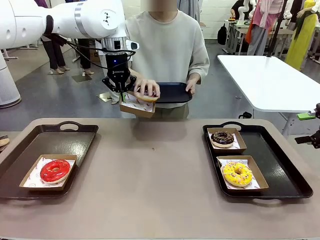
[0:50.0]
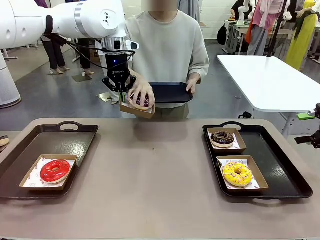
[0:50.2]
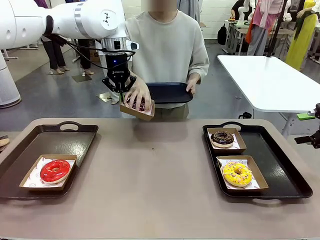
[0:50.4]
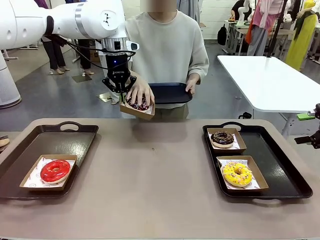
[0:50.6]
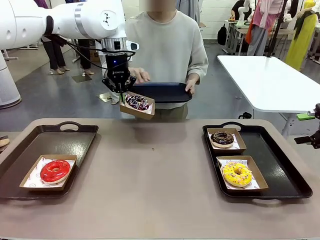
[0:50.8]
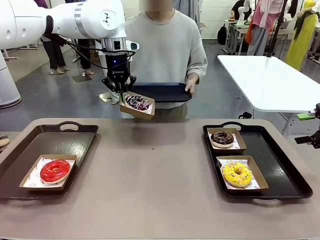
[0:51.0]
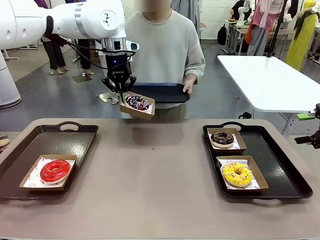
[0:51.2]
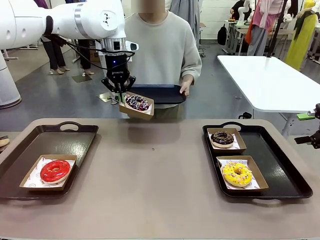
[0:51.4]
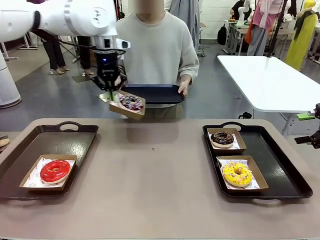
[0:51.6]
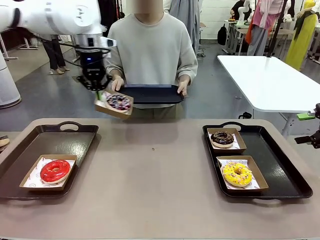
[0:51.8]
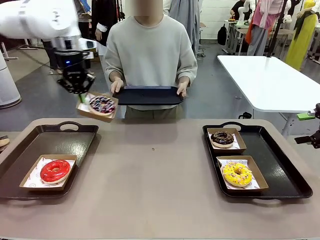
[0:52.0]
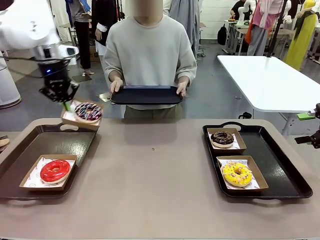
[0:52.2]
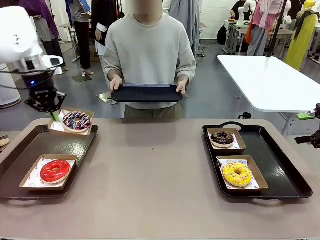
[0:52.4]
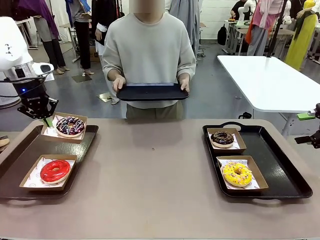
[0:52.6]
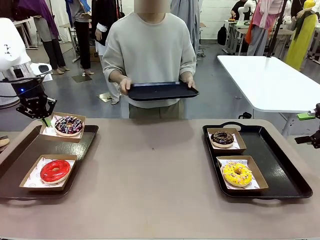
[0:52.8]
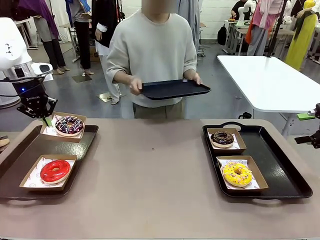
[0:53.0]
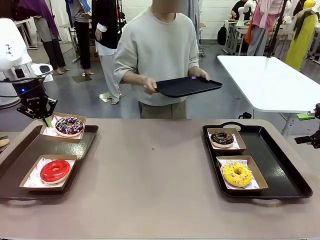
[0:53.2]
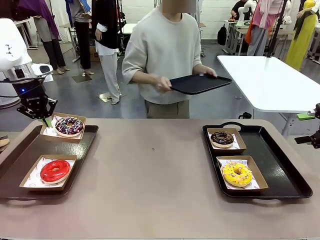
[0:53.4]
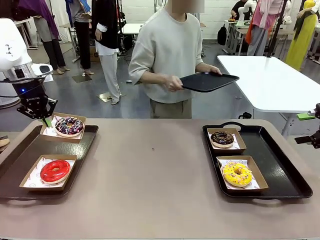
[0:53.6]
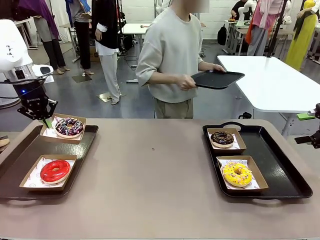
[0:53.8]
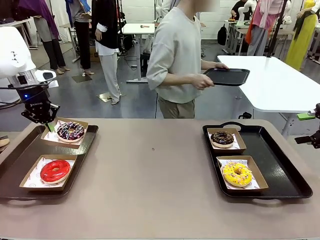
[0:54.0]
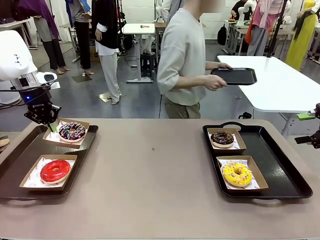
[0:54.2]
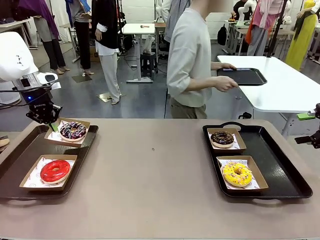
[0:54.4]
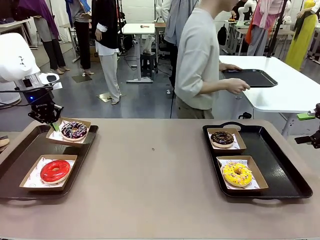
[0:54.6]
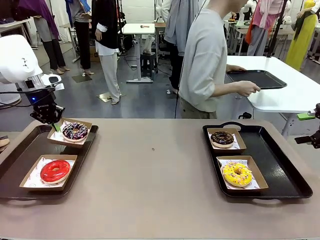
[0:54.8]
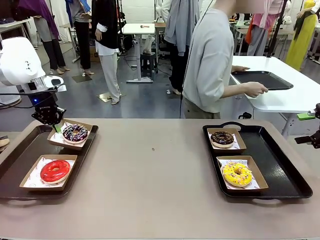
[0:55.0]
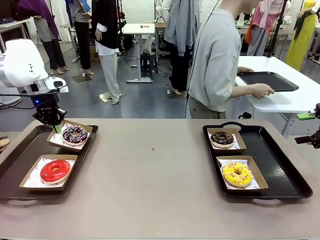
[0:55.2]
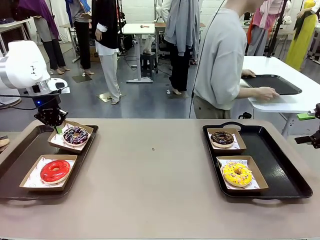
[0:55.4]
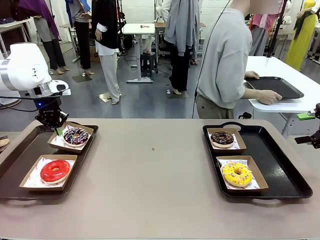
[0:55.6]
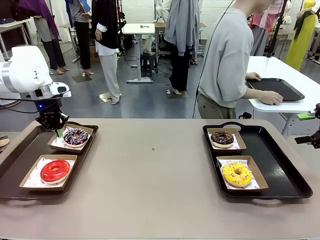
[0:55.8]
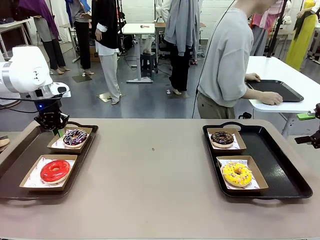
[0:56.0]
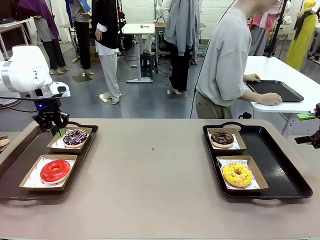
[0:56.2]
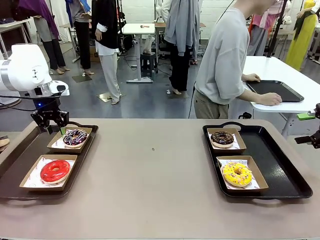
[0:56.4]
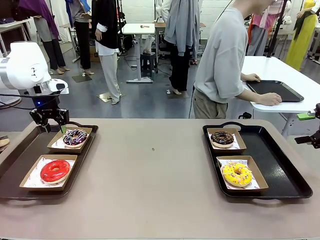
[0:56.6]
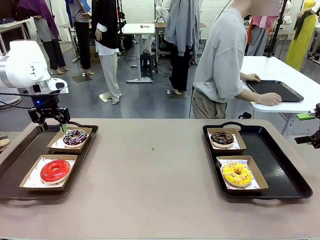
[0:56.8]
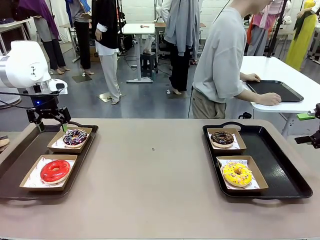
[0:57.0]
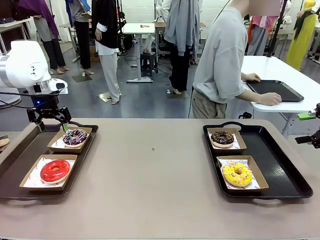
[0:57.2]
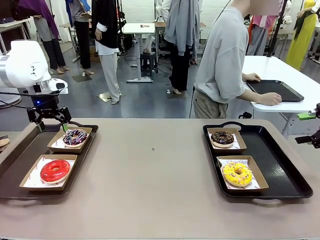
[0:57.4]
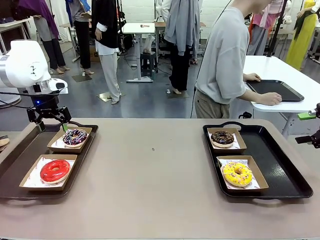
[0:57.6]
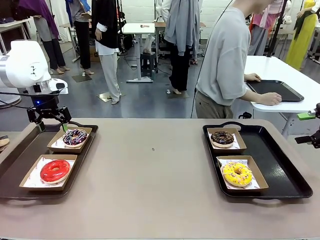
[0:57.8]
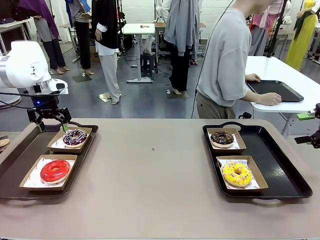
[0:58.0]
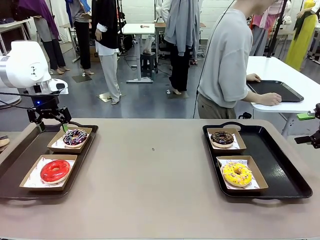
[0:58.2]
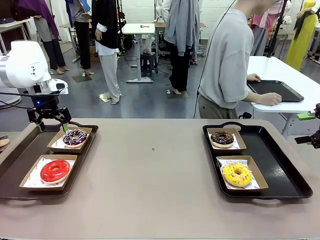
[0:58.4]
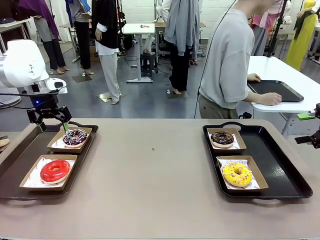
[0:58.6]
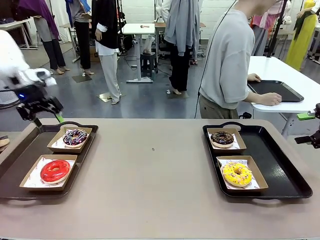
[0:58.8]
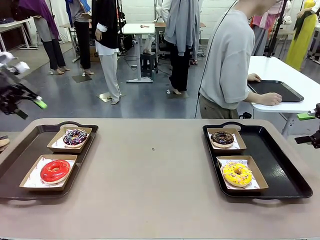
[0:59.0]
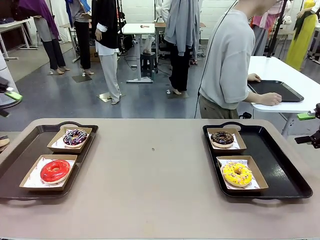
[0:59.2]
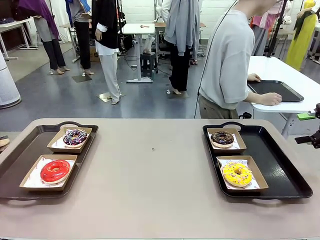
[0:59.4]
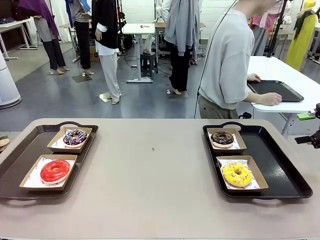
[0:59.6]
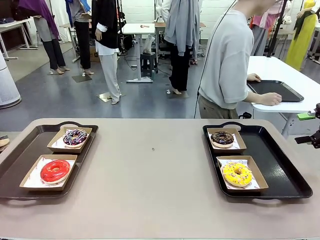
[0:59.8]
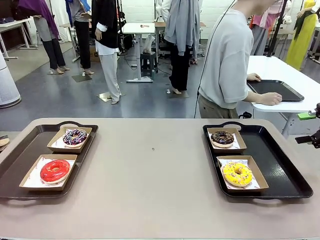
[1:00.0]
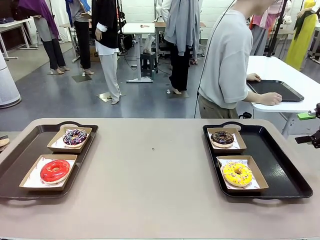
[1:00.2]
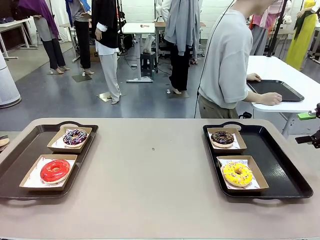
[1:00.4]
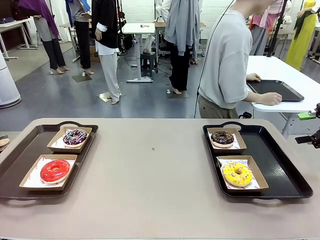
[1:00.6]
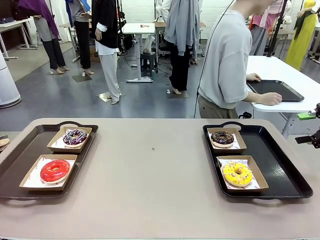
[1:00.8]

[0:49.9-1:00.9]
Task: Individually package the donuts and arrange them on the tray.
Robot: Place the picked Paper togo box on the Handle tray.
Person: Place the tray down in the middle of the human table.

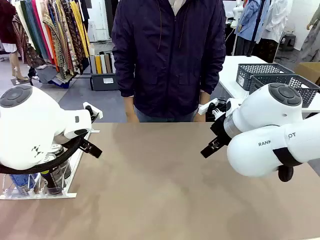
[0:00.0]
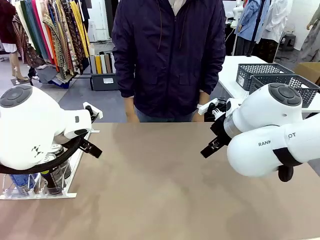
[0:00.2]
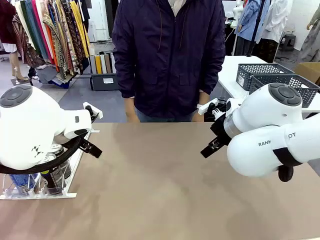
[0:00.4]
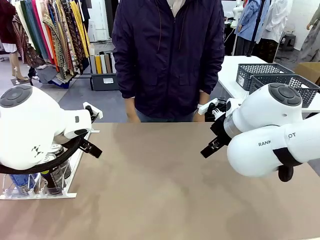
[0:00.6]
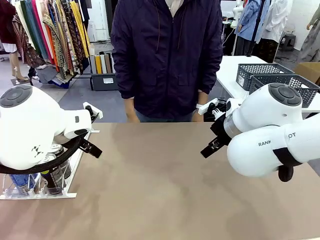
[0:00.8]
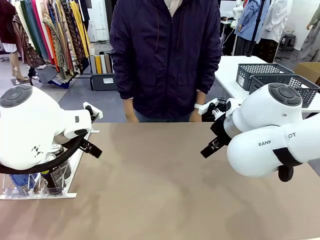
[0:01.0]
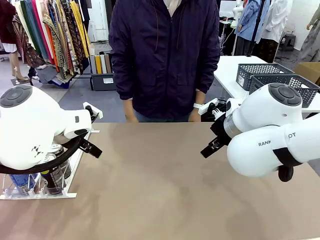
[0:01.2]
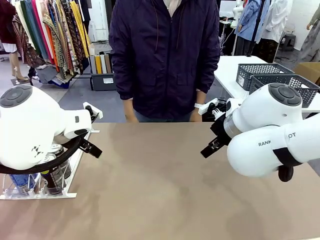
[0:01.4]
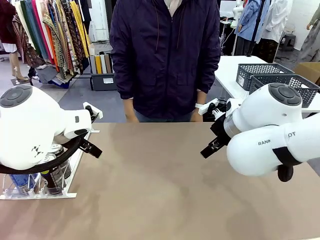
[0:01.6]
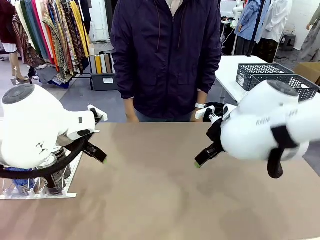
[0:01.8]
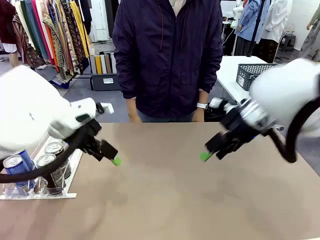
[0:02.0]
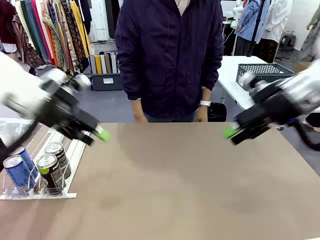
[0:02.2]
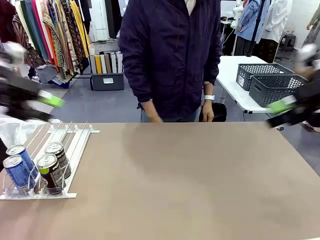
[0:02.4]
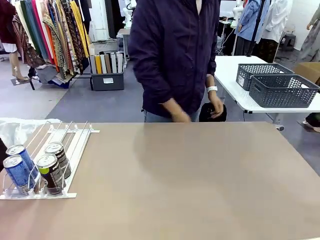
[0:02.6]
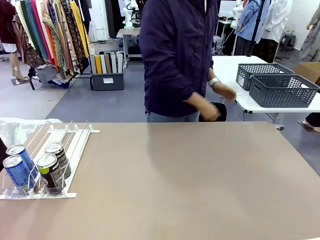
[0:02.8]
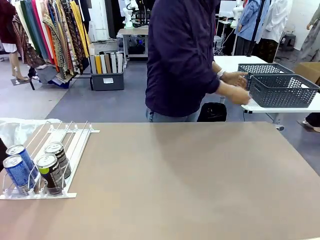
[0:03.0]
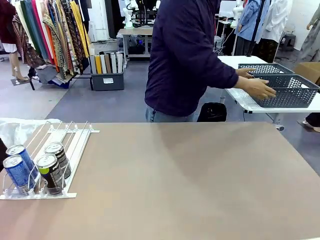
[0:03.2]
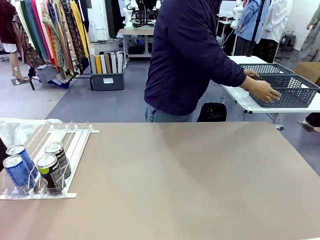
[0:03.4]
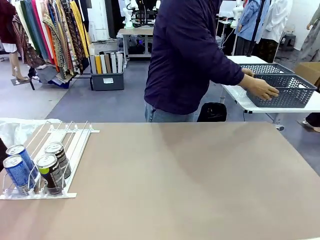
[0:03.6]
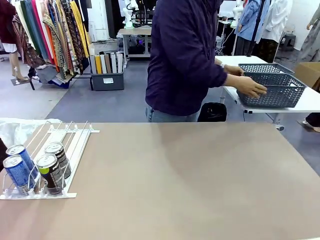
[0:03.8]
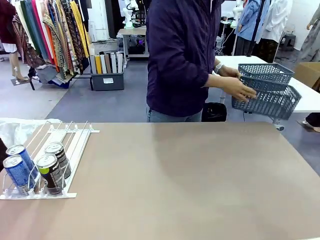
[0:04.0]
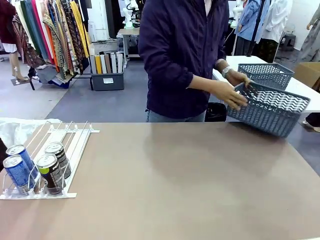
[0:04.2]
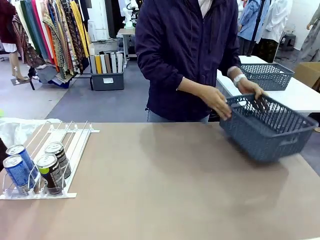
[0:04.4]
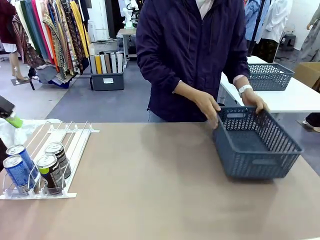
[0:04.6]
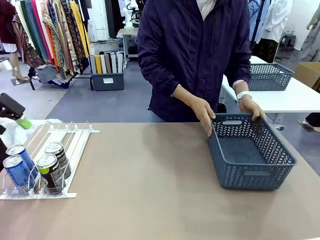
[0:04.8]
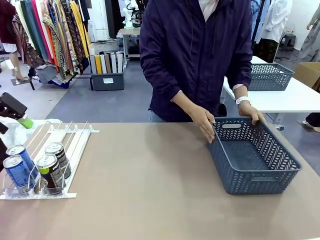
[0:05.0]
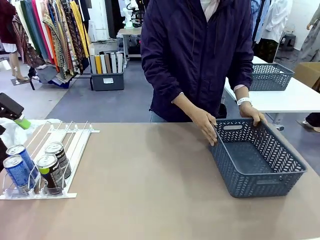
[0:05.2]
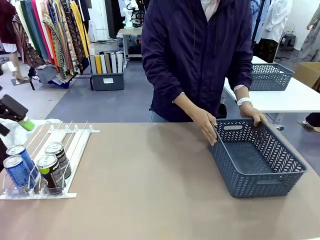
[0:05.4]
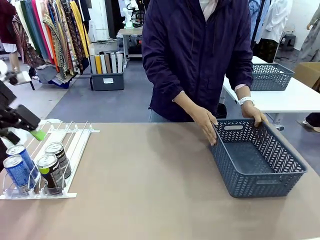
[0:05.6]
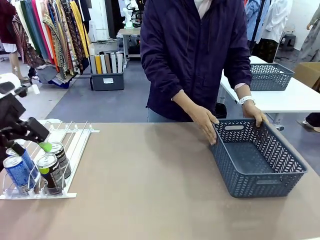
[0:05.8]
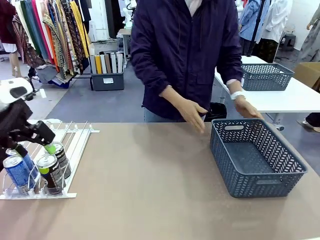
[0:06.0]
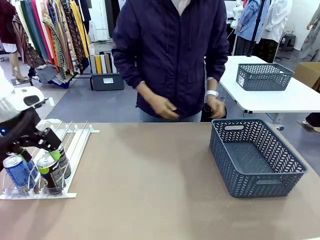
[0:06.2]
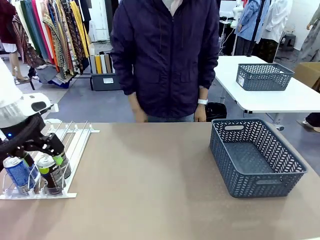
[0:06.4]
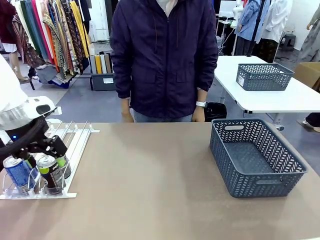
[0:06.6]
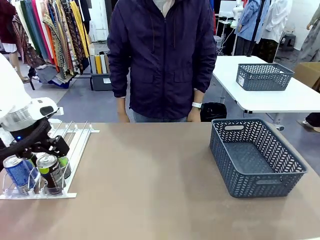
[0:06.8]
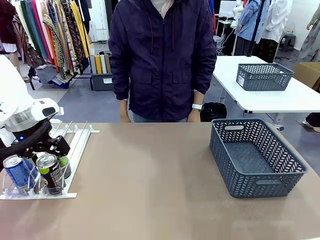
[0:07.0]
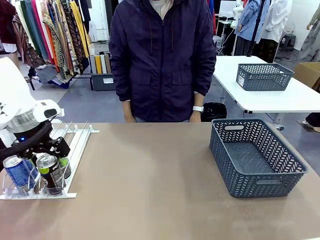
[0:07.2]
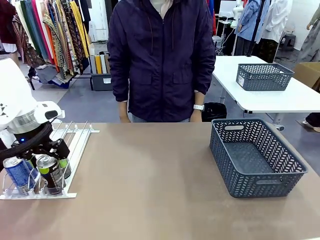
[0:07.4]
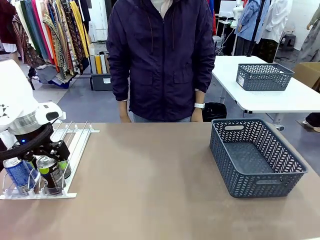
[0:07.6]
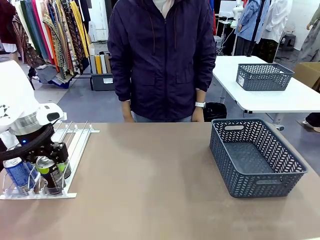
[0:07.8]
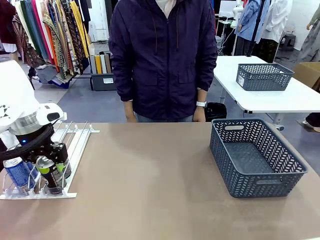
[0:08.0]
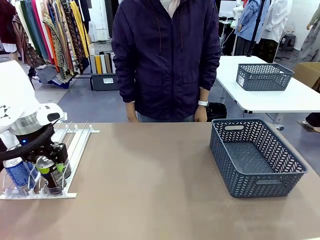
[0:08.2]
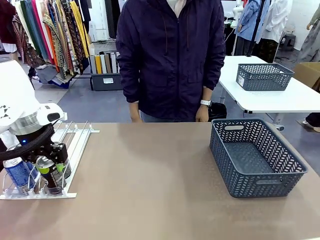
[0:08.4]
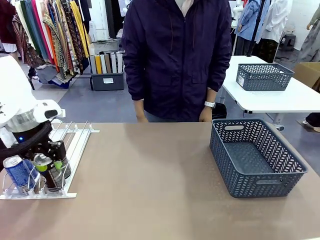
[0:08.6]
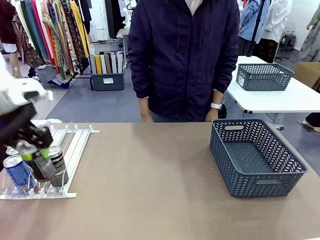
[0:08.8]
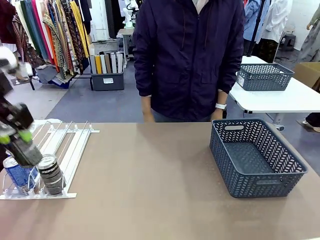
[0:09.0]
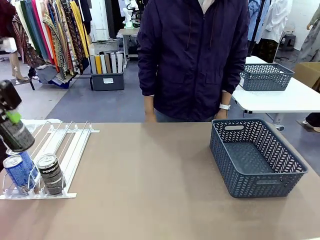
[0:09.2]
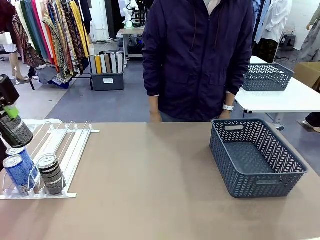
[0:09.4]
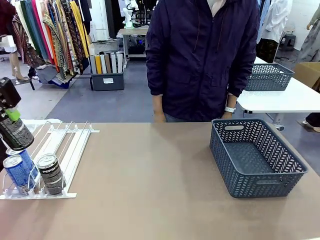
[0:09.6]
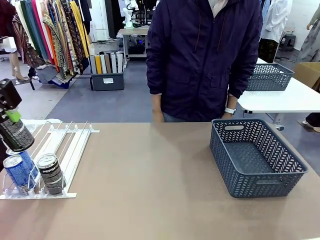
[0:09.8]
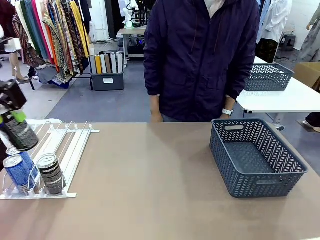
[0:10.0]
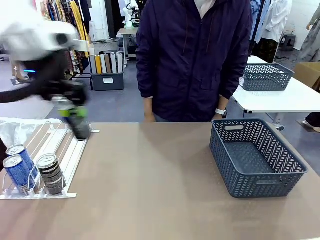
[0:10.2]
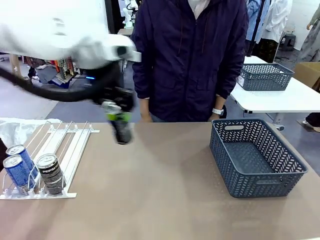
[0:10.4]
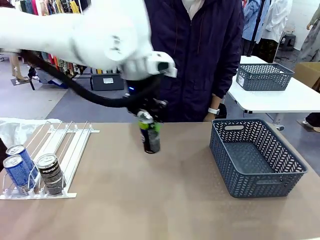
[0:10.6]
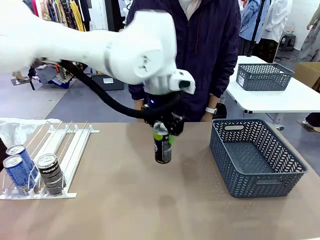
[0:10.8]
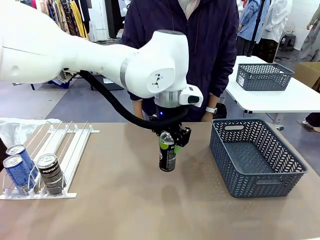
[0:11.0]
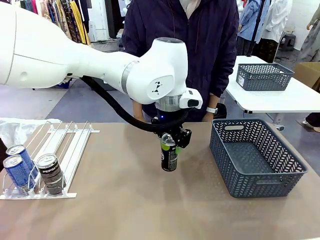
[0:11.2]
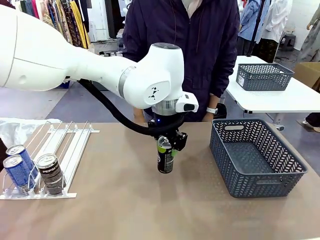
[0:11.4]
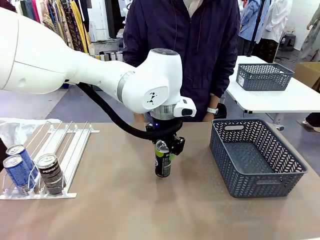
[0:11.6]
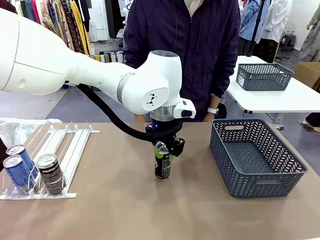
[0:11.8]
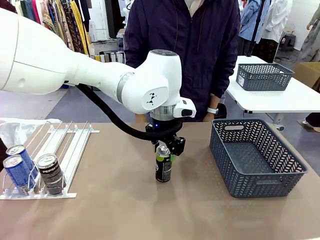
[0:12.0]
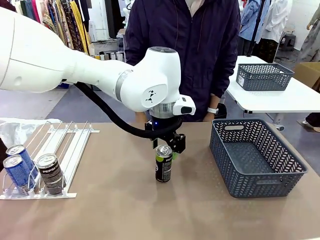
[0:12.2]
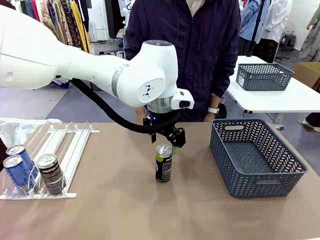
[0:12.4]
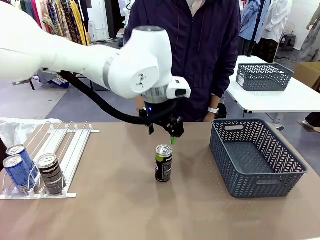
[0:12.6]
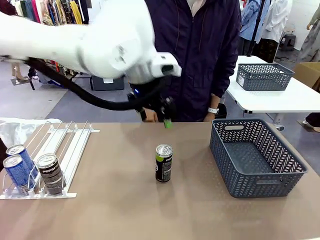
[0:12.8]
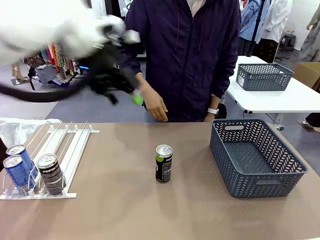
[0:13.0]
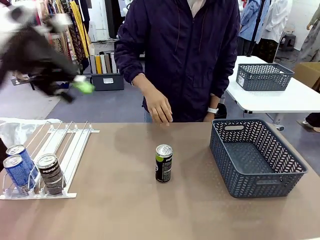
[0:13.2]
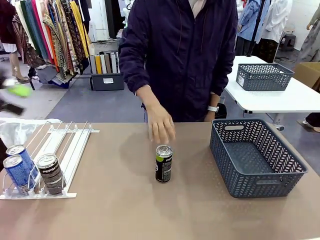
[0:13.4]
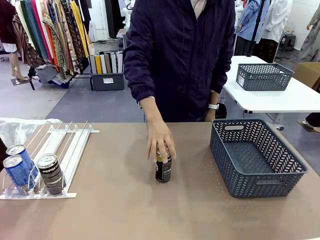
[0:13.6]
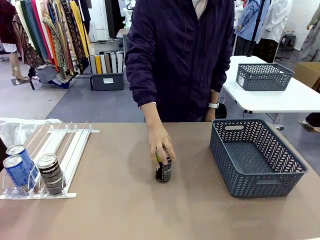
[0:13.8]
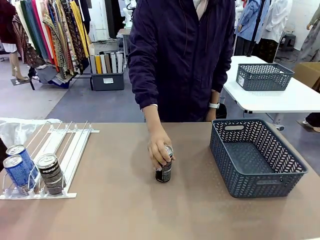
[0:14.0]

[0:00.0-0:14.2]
Task: Retrieve and store the cans from the dispenser.
Robot: Pick up one can from the Automatic Can Dispenser and place it in the middle of the table.
Person: Pick up the basket and place it on the left side of the robot table.
